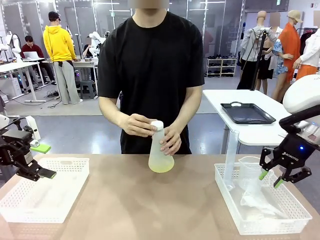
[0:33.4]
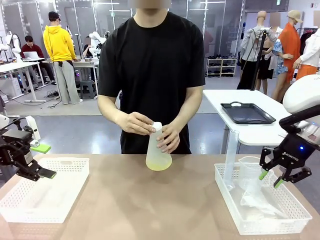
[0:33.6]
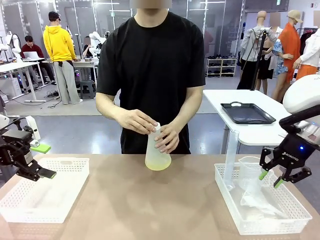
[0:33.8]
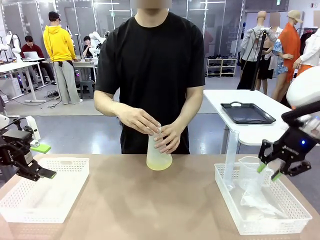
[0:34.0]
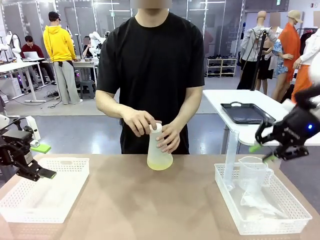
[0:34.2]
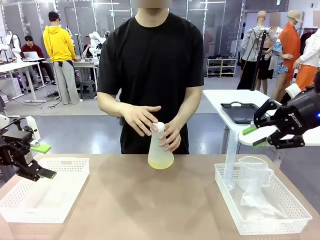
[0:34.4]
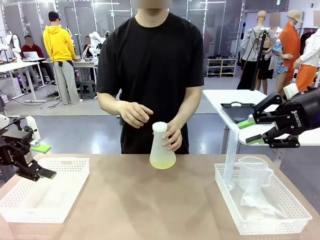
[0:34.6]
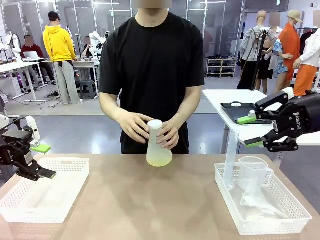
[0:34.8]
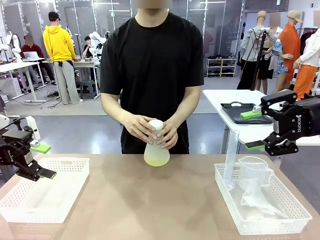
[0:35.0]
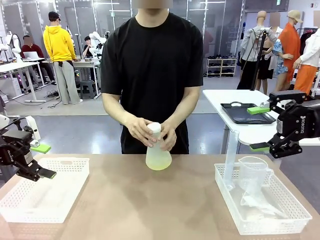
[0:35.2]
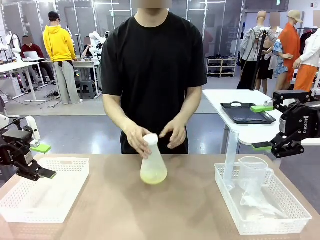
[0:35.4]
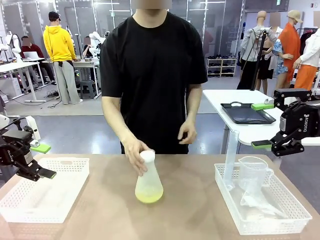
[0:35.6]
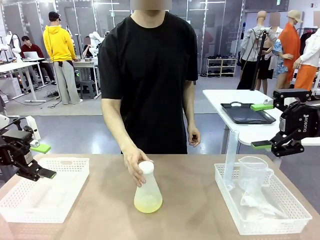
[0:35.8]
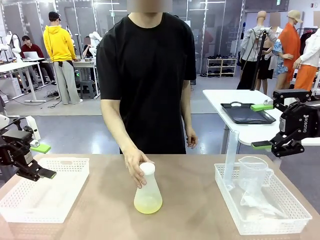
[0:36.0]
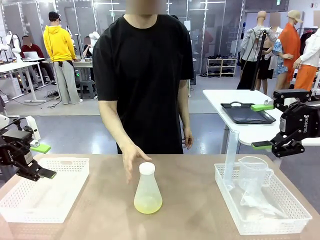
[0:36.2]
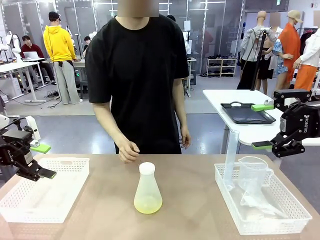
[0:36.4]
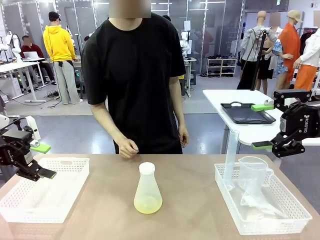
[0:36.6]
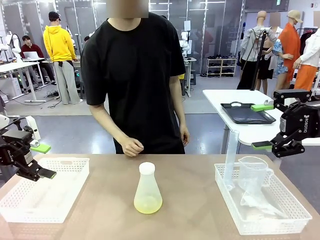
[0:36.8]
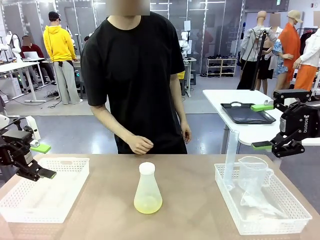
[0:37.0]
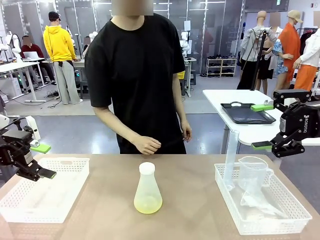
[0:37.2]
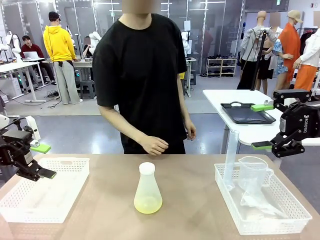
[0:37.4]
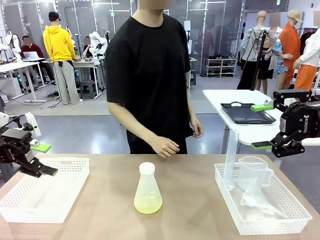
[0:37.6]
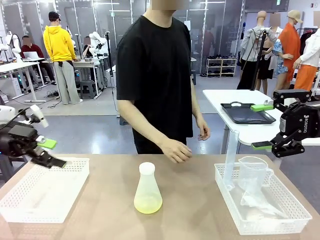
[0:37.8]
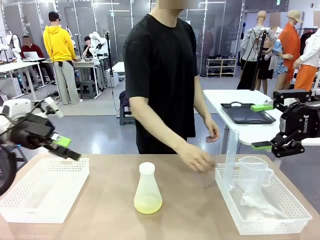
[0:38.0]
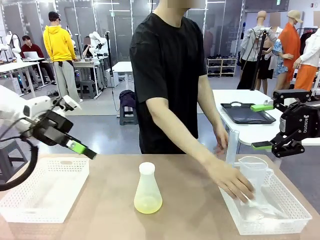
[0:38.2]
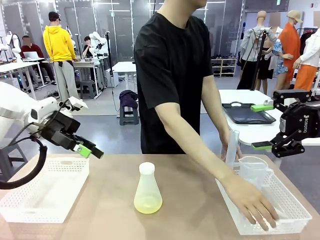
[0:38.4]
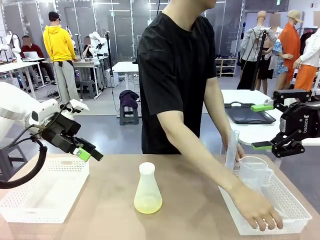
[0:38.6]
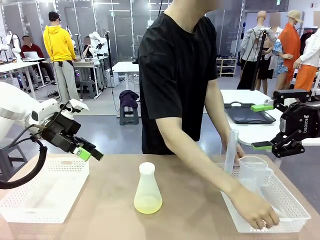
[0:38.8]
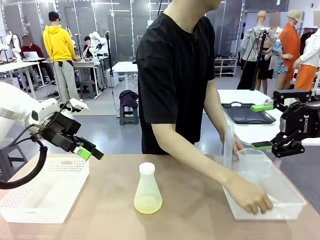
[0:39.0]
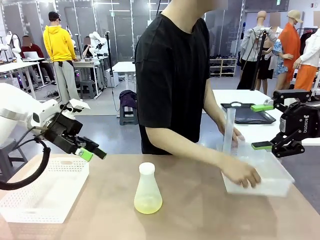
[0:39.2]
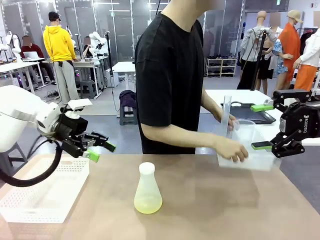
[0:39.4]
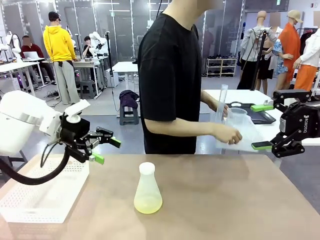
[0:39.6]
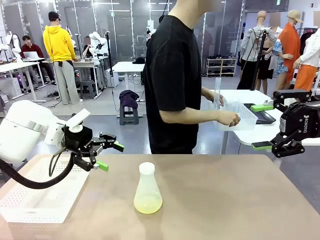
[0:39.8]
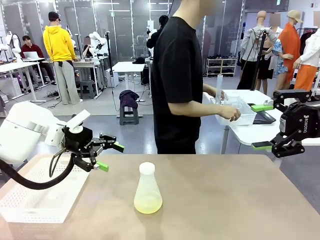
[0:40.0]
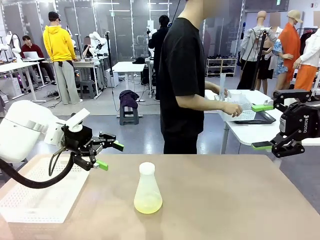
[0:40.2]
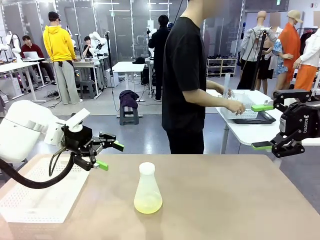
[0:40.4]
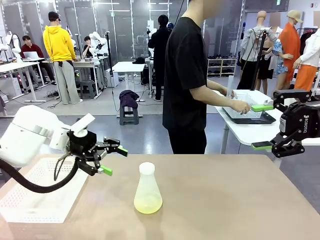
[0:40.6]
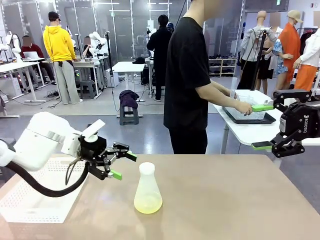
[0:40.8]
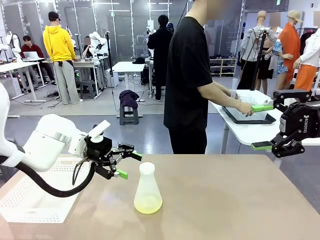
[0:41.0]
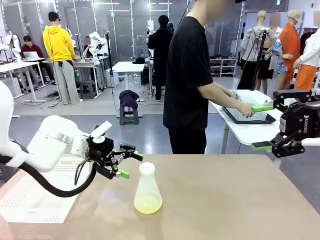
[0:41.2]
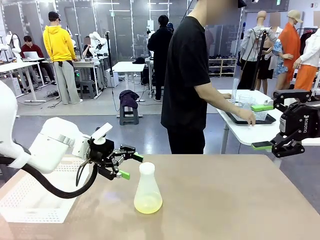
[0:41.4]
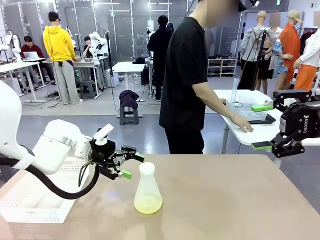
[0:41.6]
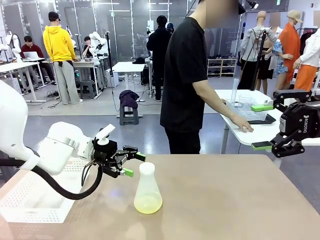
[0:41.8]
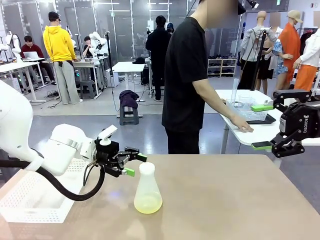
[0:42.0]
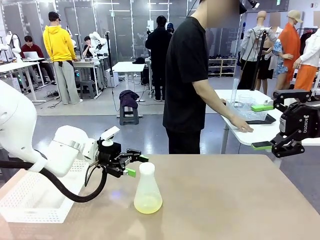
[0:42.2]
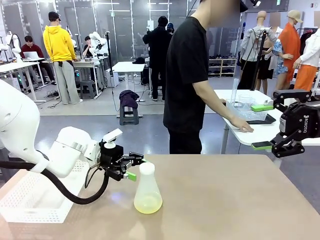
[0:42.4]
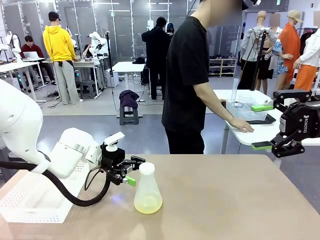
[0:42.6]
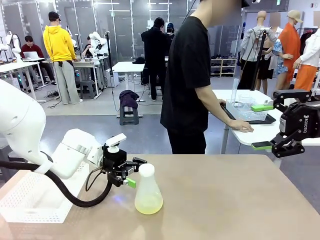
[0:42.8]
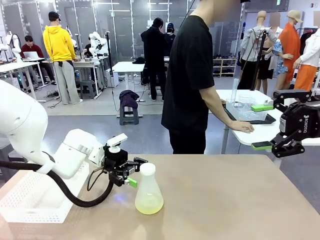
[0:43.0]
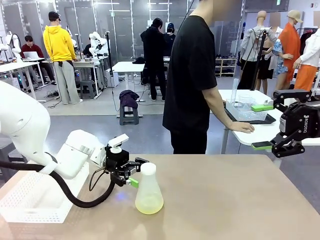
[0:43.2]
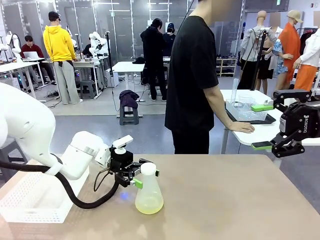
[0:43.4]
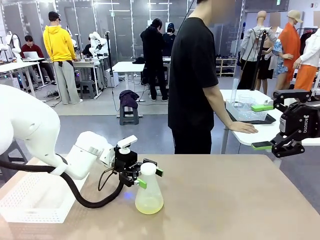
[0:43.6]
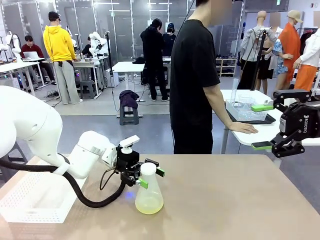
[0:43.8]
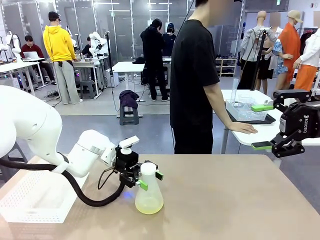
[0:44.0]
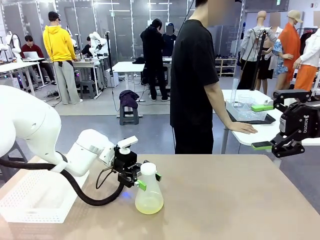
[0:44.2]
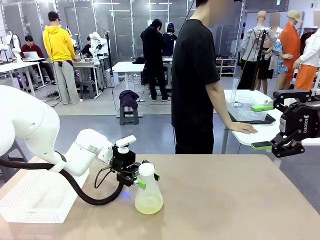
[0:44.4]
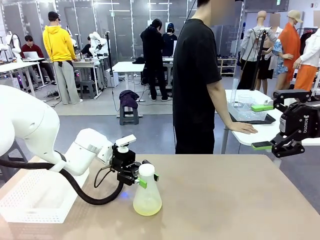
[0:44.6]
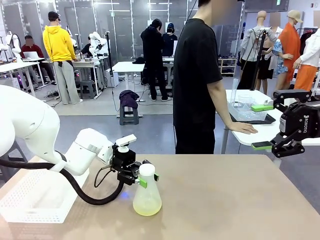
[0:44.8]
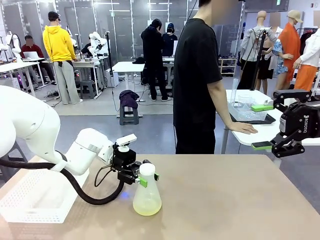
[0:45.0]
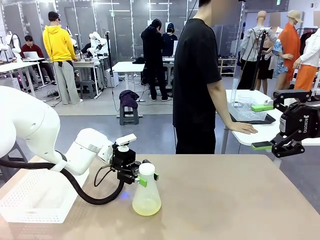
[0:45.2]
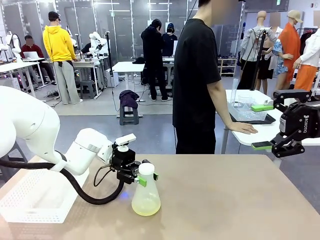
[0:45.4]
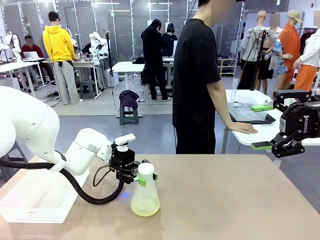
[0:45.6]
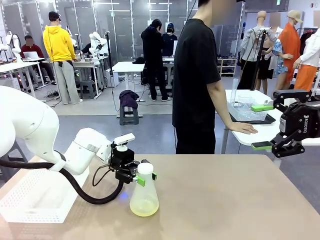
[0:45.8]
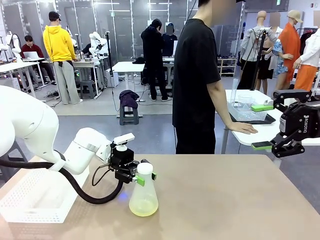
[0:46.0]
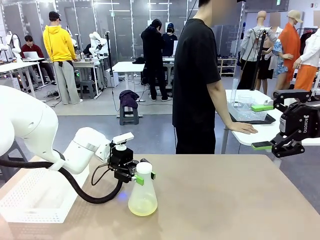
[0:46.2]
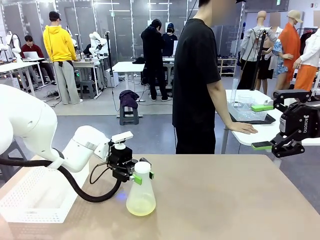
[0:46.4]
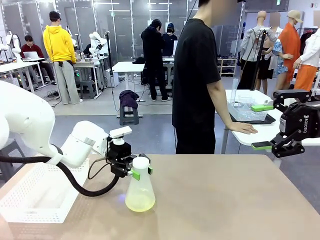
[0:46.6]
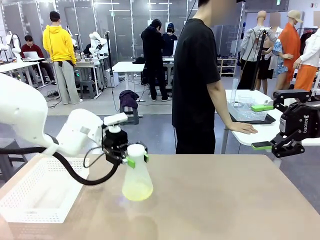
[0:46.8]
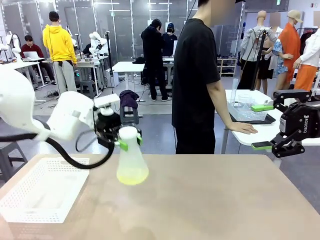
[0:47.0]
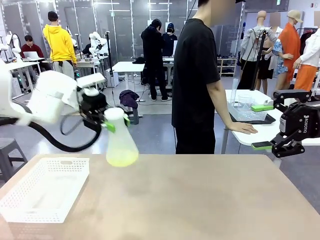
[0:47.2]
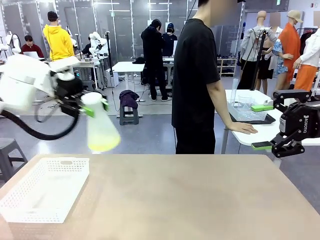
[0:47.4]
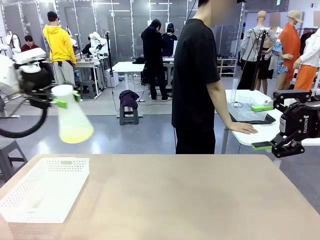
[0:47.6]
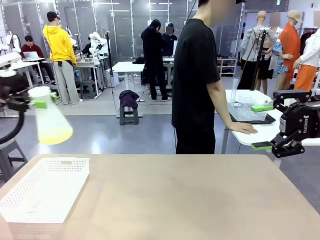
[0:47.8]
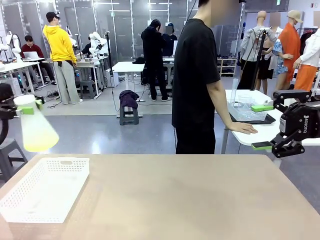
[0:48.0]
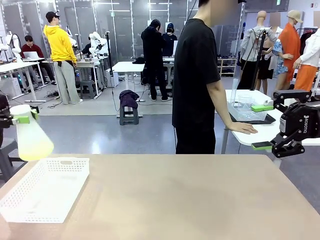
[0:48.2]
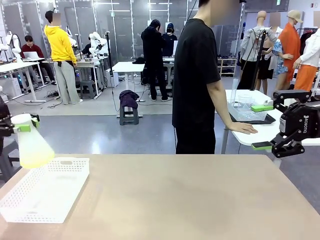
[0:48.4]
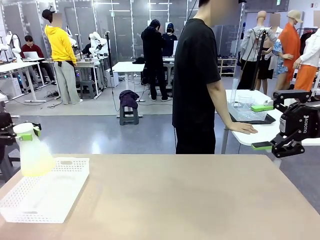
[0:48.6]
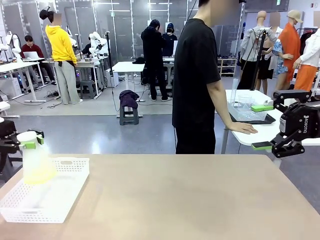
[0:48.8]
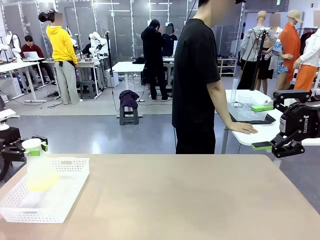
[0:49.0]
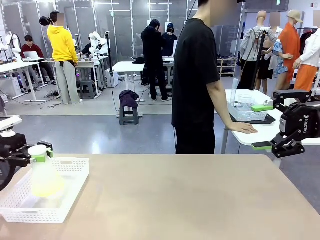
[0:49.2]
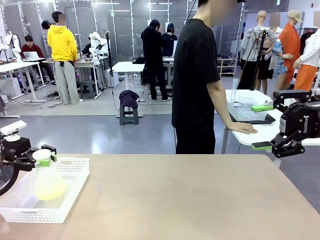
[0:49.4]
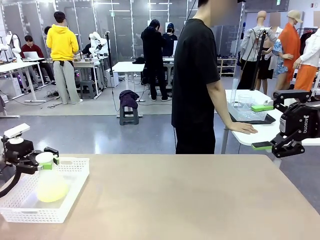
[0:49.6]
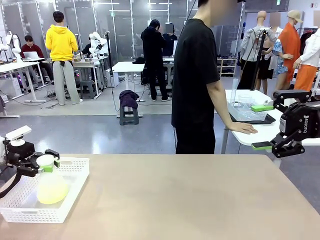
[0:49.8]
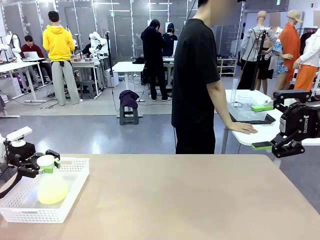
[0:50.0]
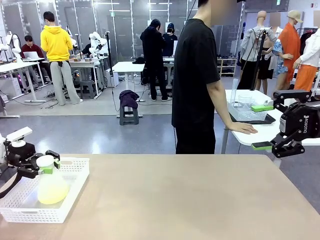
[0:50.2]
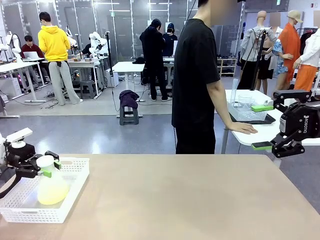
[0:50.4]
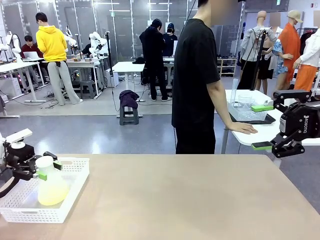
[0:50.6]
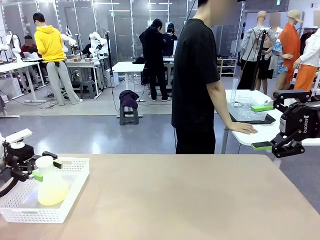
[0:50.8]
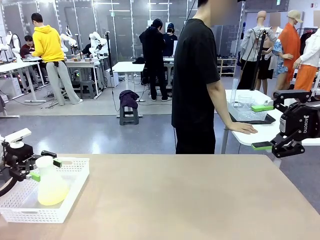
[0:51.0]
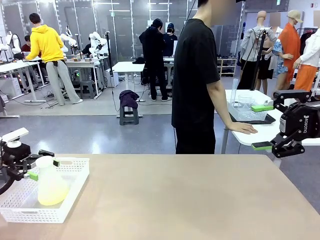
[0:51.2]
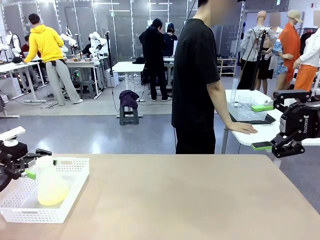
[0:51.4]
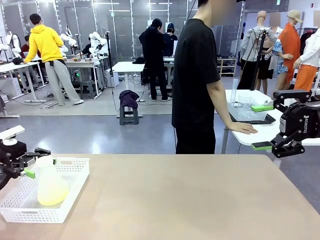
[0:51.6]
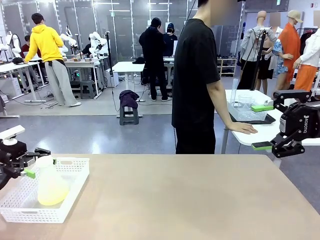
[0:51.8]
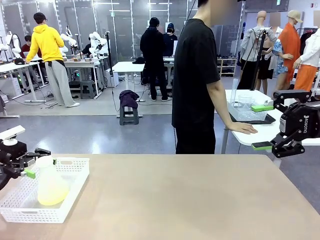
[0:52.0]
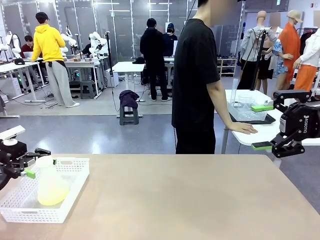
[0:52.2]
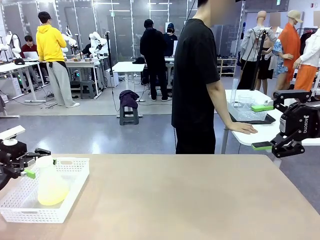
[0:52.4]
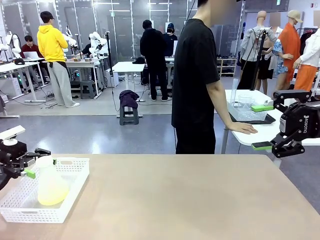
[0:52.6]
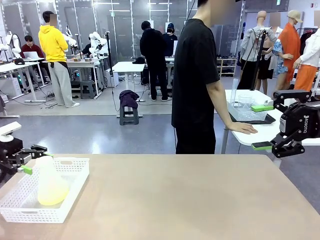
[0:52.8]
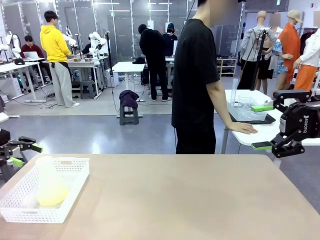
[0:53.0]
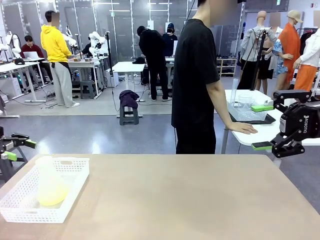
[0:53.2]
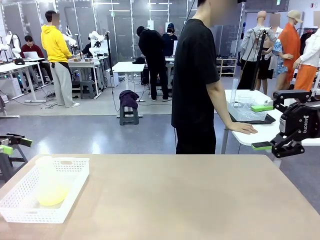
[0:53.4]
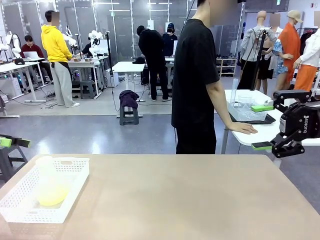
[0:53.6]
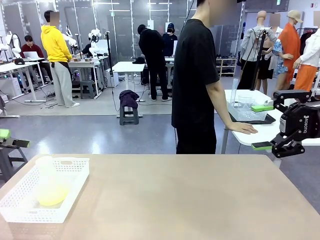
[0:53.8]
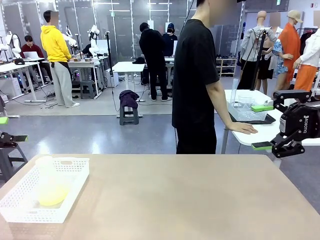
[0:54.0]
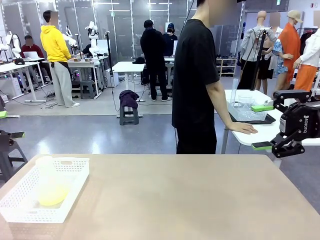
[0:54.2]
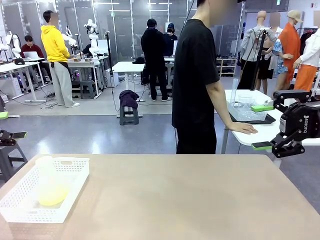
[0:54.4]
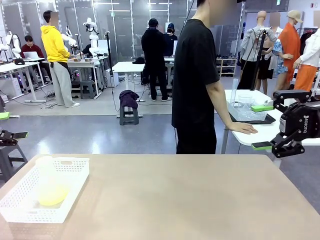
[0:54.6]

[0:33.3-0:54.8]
Task: Prepare the solutions needed for the experiment.
Robot: When the human places the Big flask in the center of the table, pick up the Big flask and place it in the left Organizing basket.
Person: Pick up the organizing basket on the left side of the robot table and place it on the left side of the human table.
